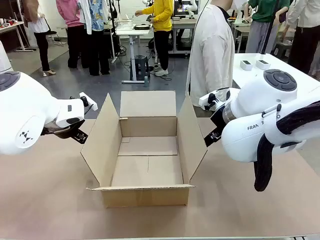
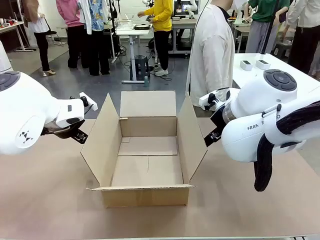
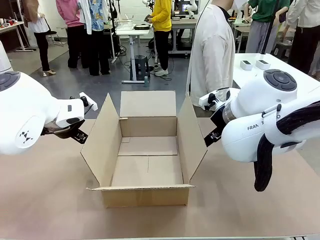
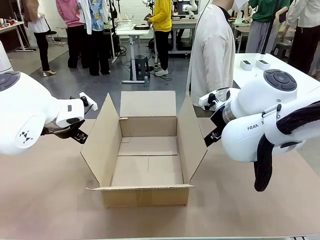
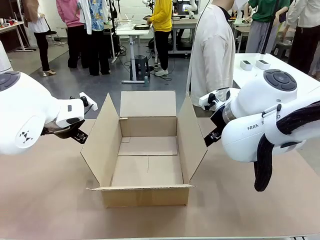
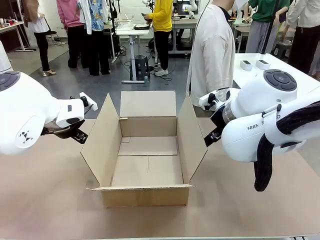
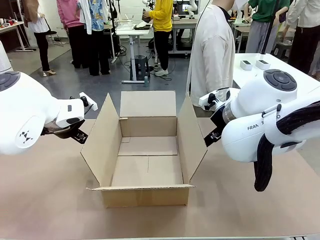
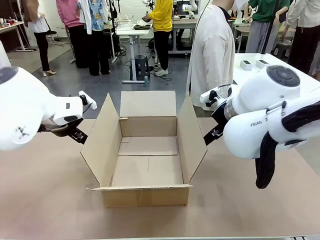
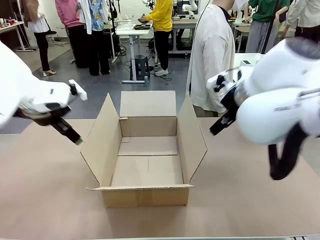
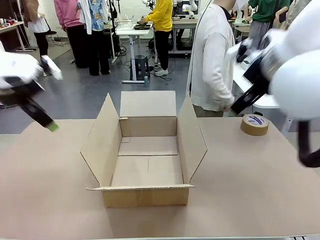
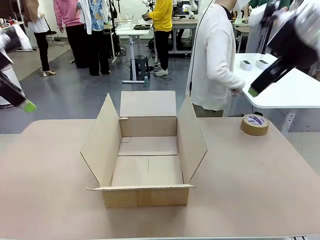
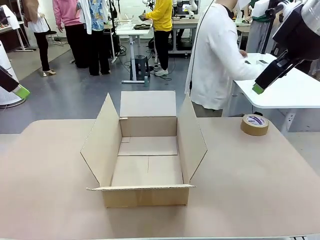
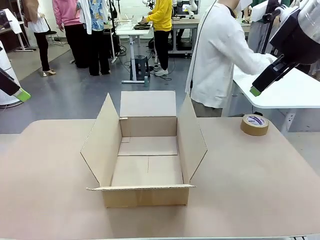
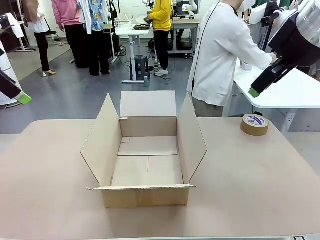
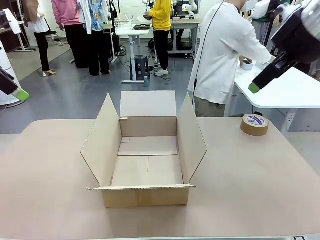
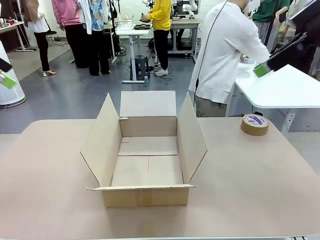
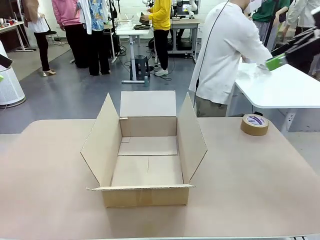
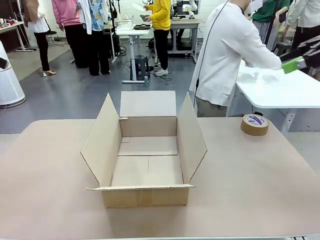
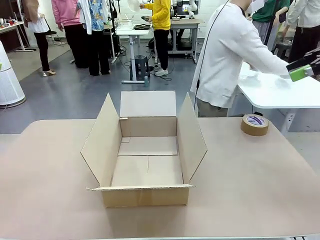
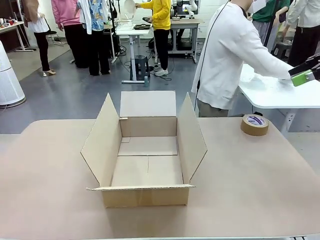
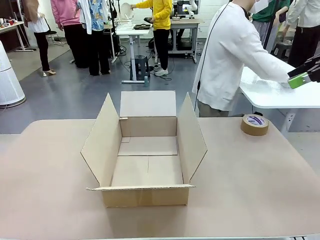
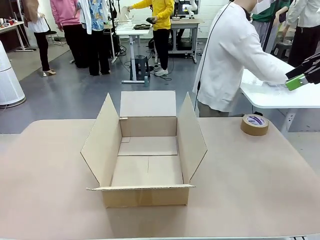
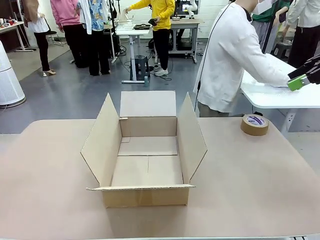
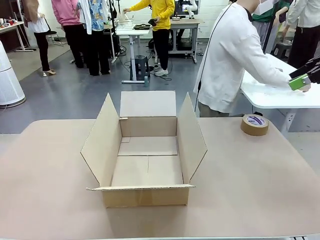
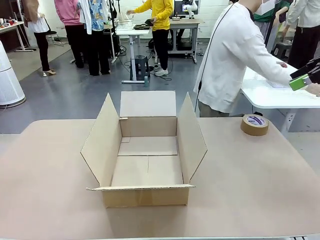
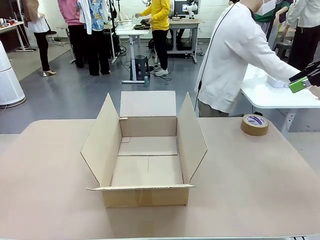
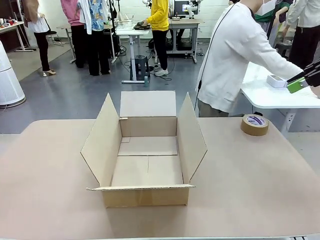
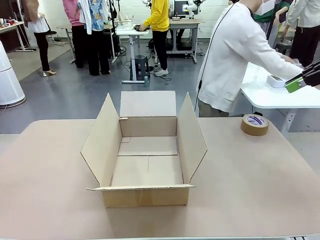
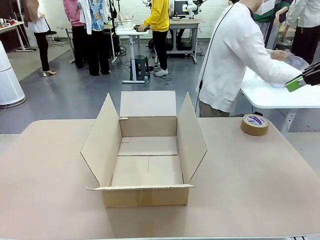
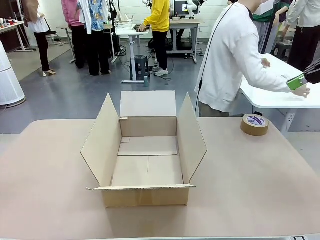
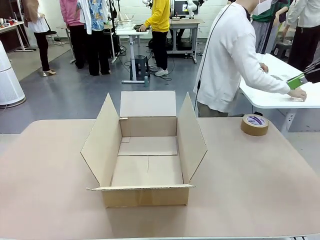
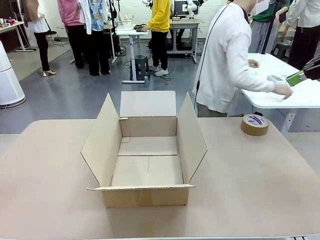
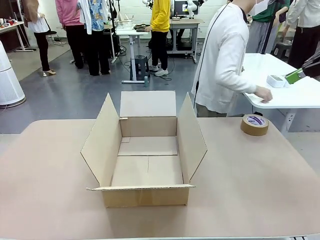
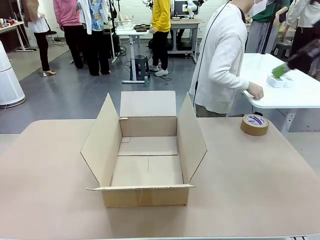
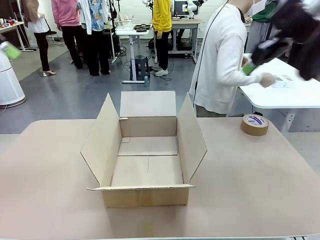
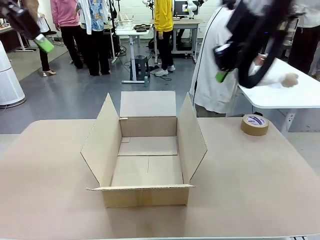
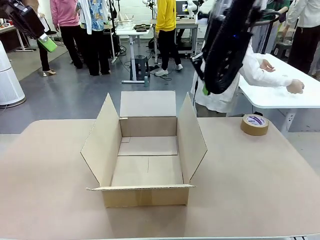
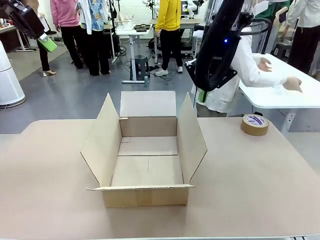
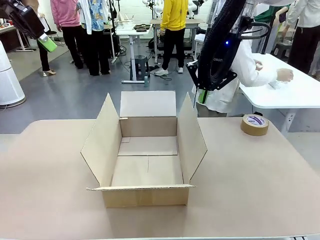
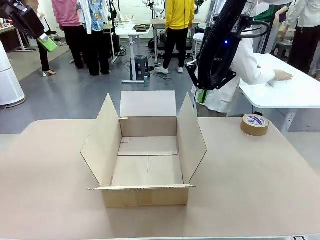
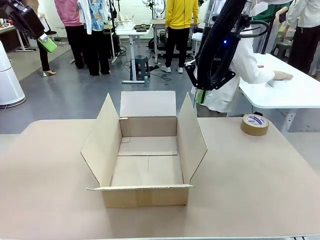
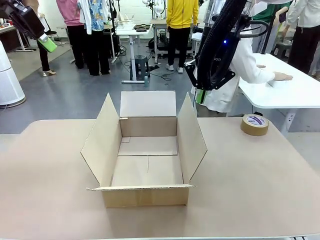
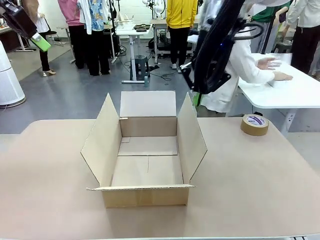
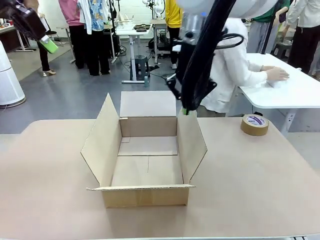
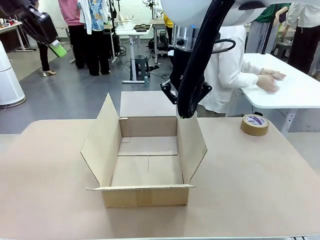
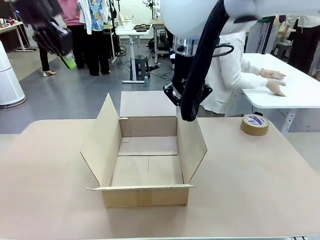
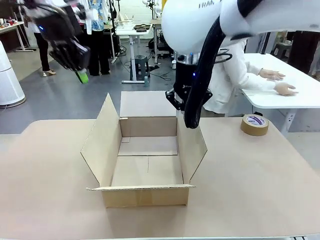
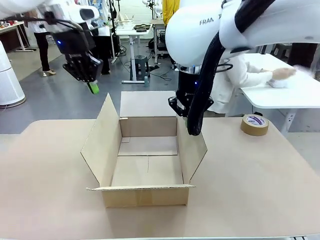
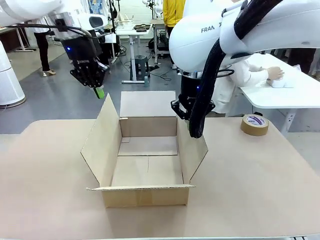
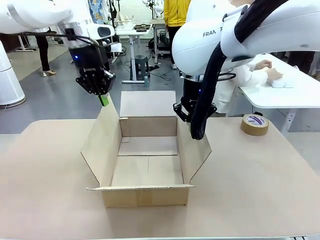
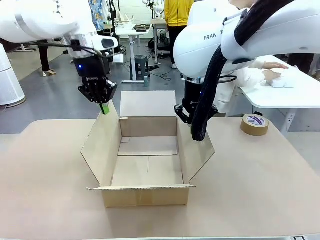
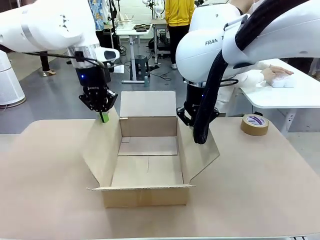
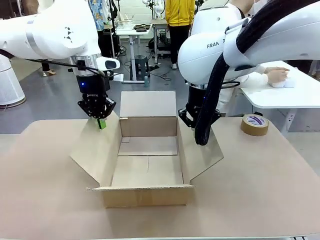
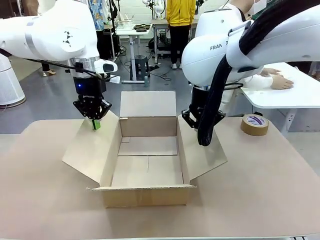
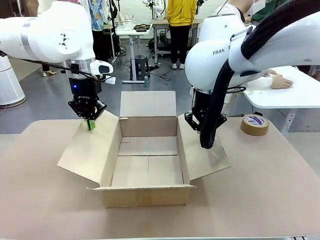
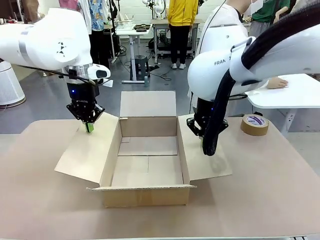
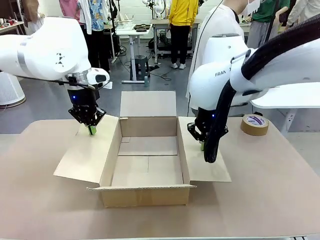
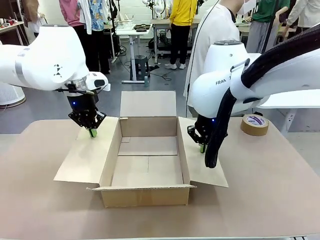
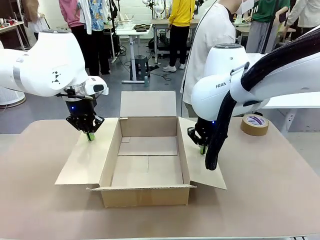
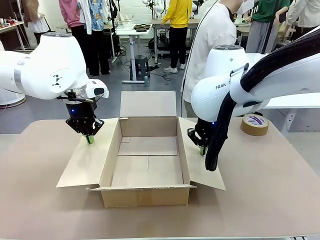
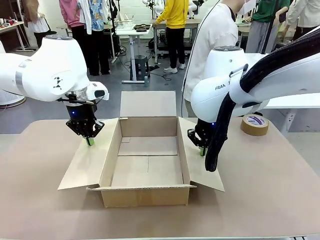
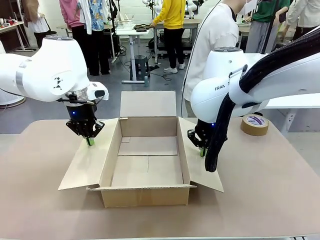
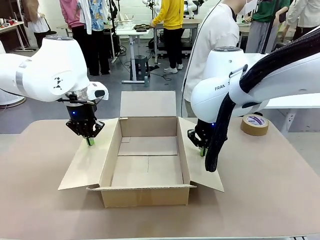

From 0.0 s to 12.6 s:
Task: Wrap the clocks to prevent damage.
Robot: Open the side flaps of the Package Box.
Person: Wrap the two Digital clocks with Bubble Wrap.

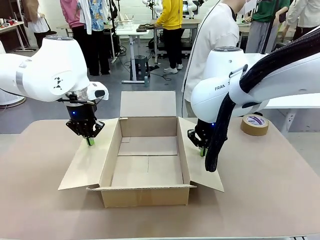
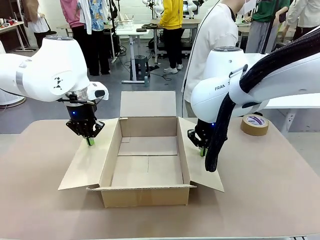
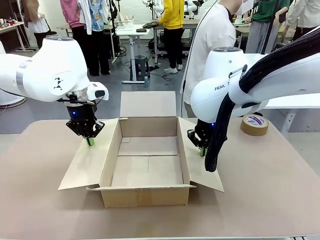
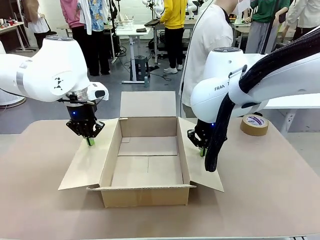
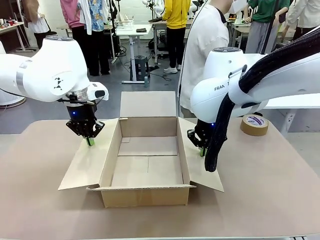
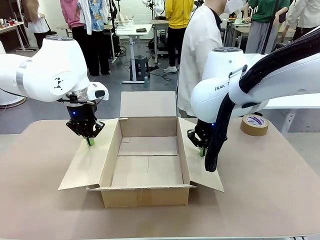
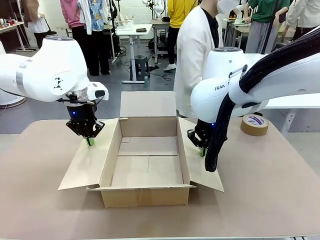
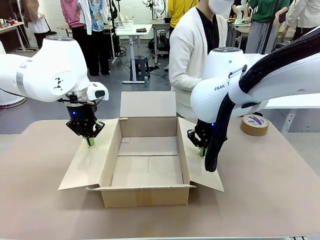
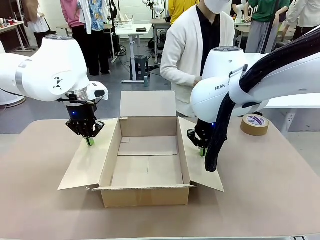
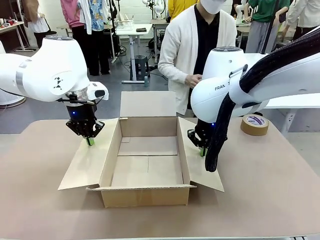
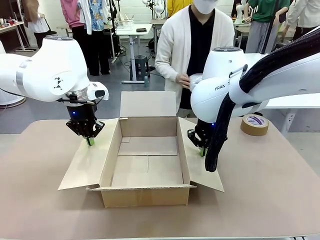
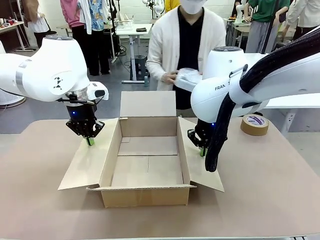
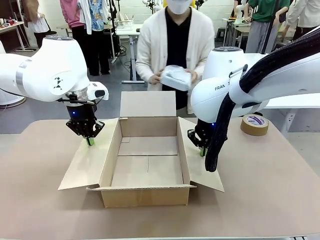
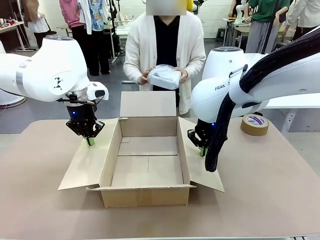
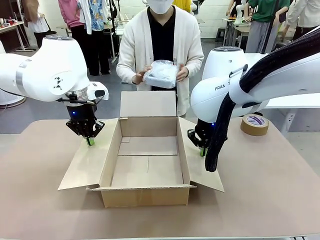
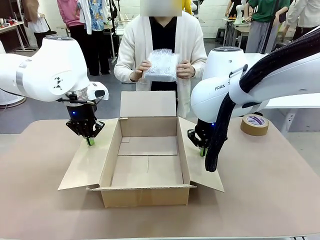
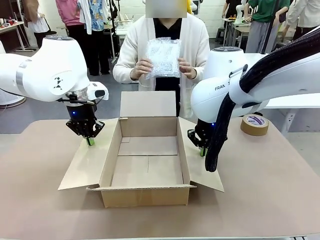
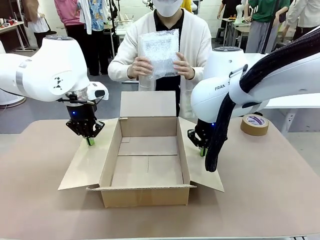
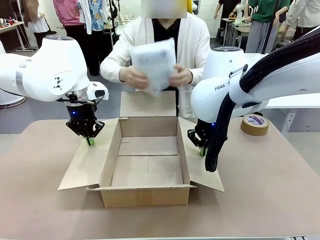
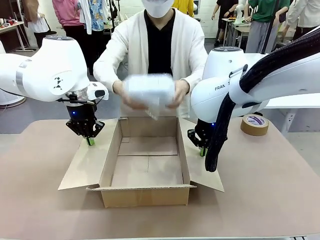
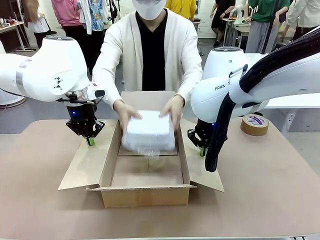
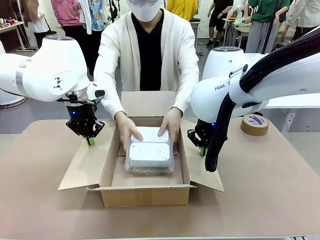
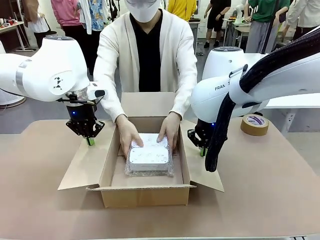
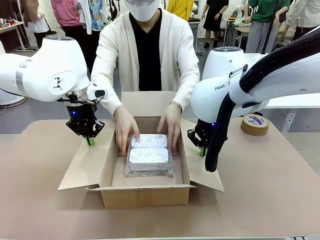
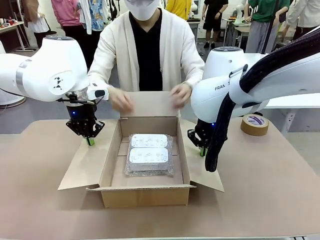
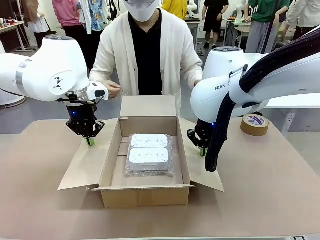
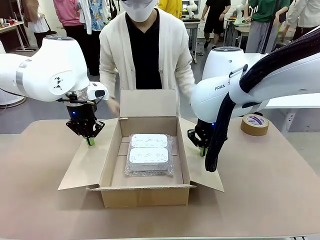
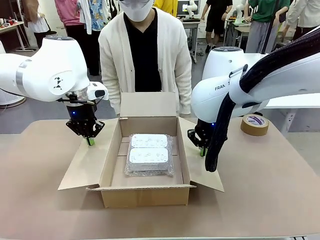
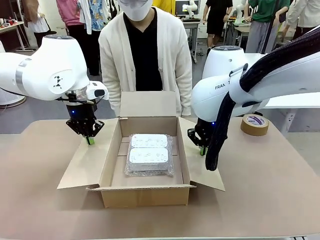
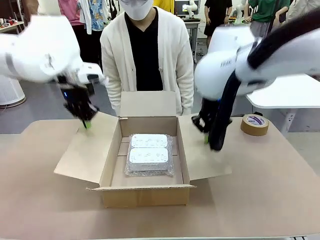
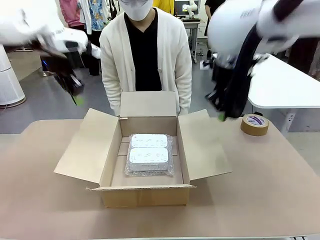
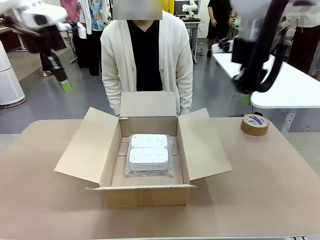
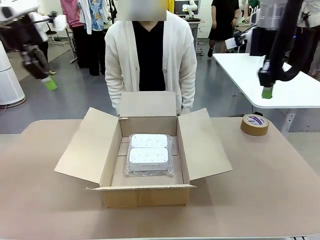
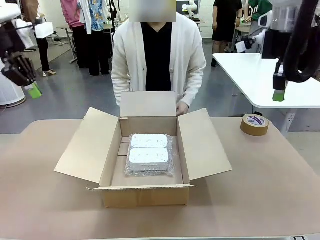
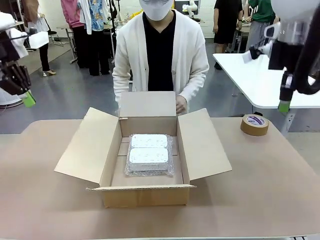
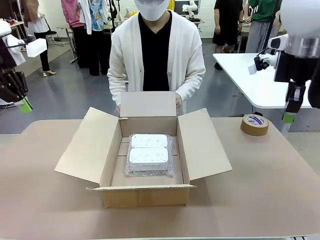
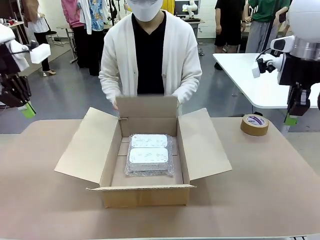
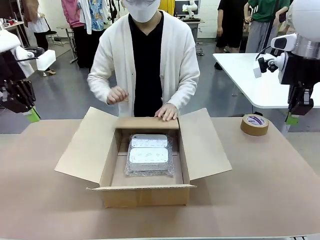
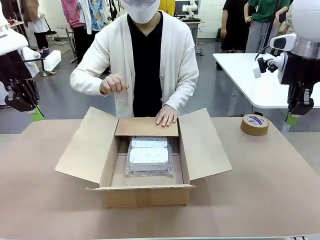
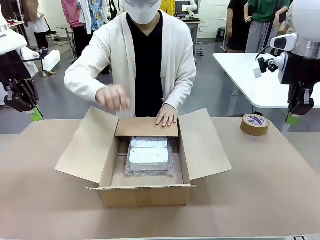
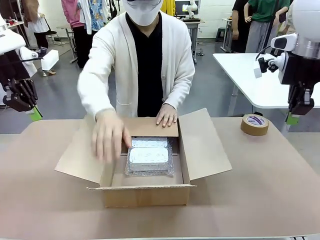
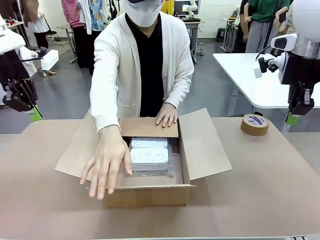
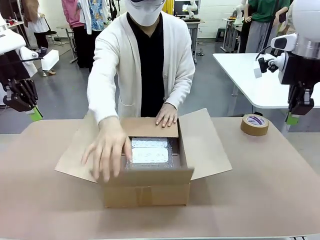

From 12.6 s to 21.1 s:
Robot: Once the human has placed the objects inside and stepped back, release both hands from the side flaps of the Package Box.
Person: Place the wrapped Digital clocks inside the Package Box. Hold the top and bottom flaps of the Package Box closed with your left (or right) hand.
